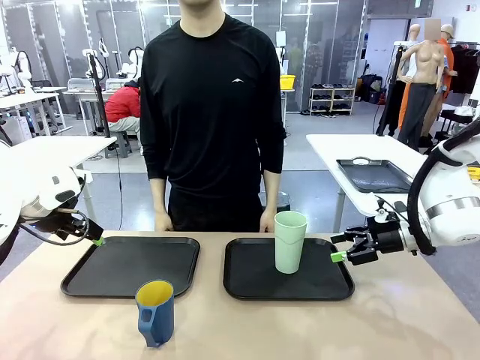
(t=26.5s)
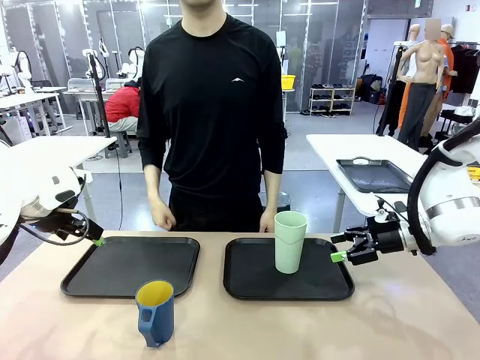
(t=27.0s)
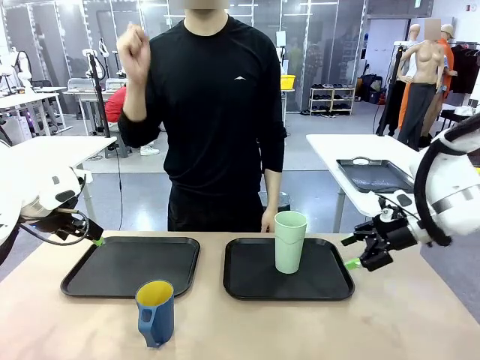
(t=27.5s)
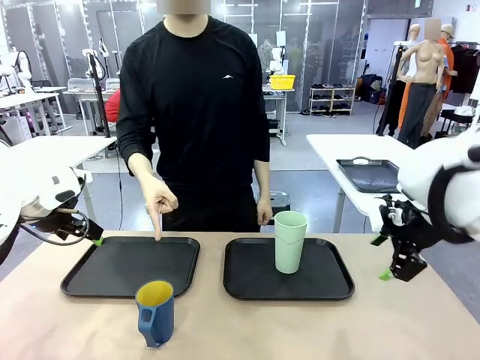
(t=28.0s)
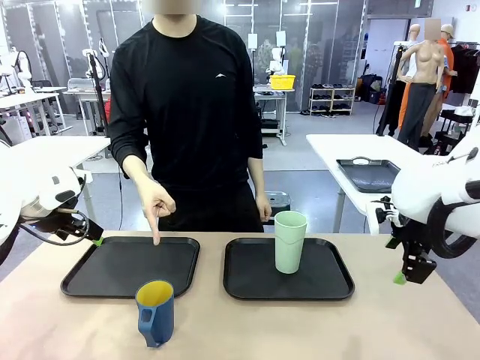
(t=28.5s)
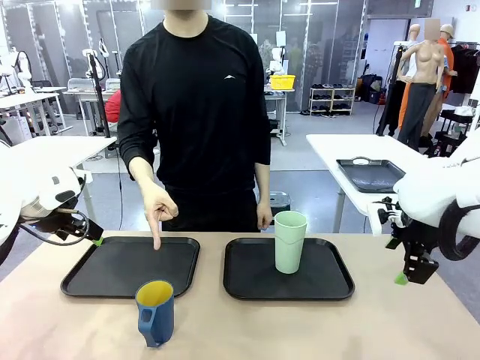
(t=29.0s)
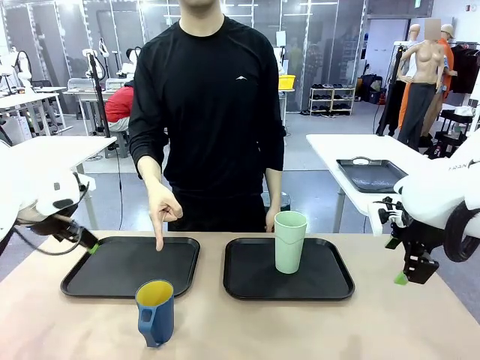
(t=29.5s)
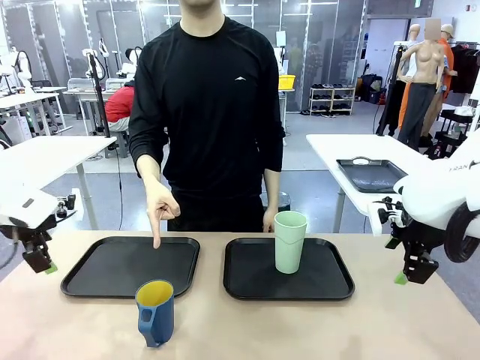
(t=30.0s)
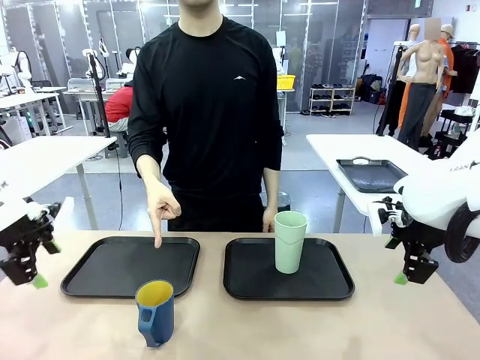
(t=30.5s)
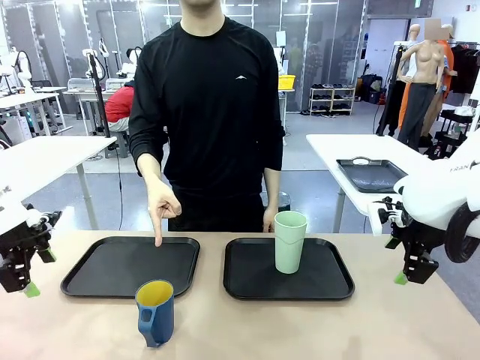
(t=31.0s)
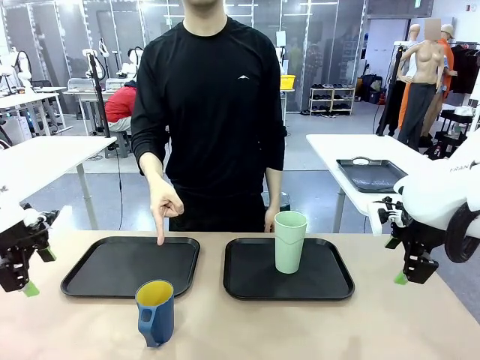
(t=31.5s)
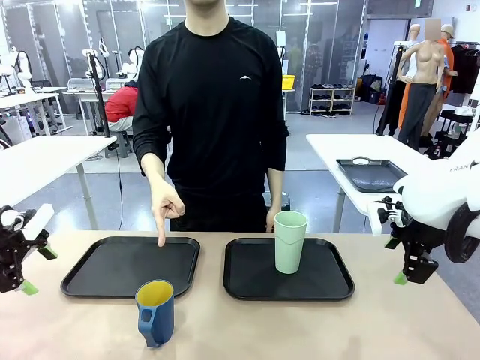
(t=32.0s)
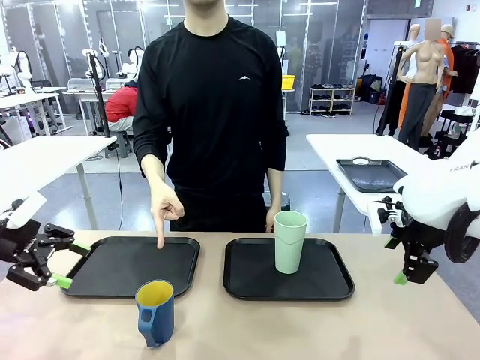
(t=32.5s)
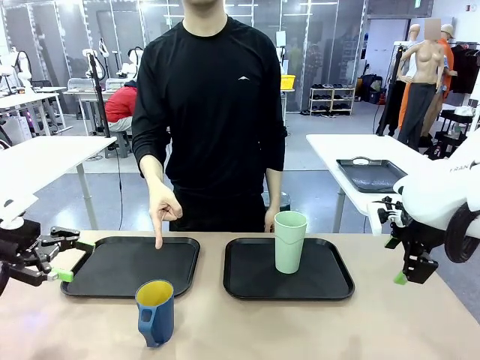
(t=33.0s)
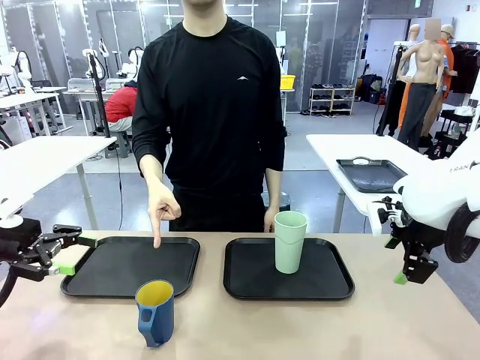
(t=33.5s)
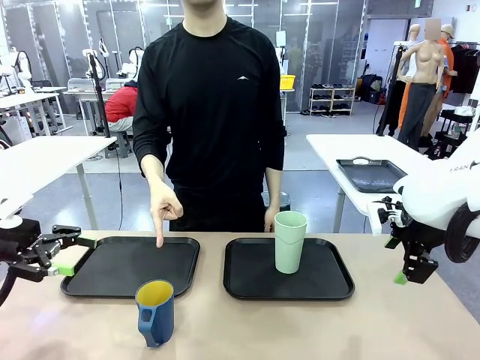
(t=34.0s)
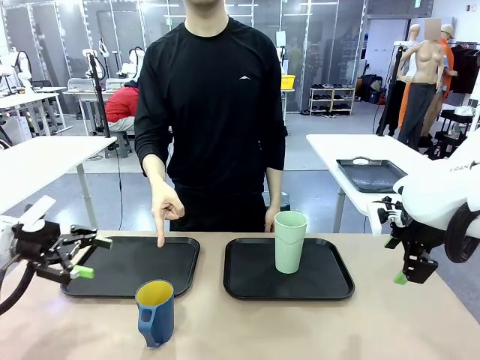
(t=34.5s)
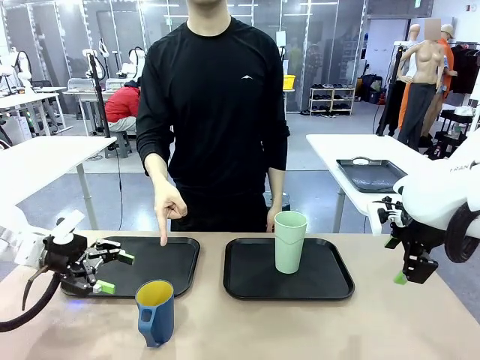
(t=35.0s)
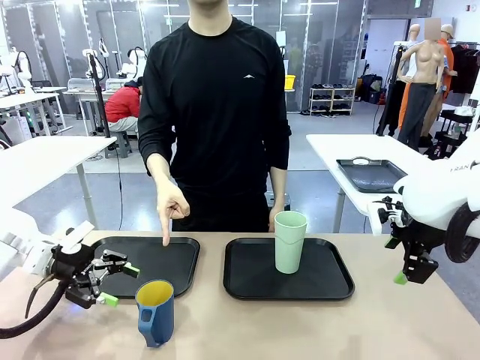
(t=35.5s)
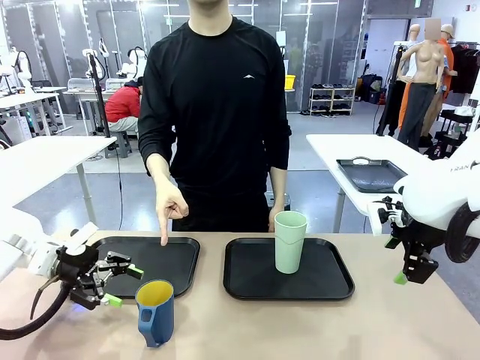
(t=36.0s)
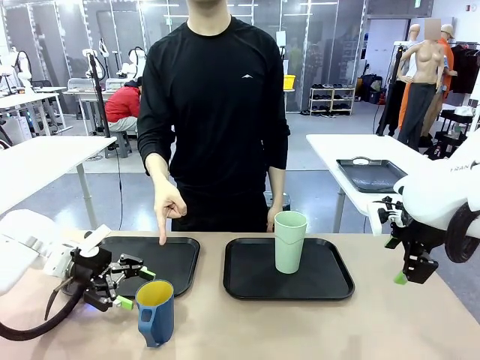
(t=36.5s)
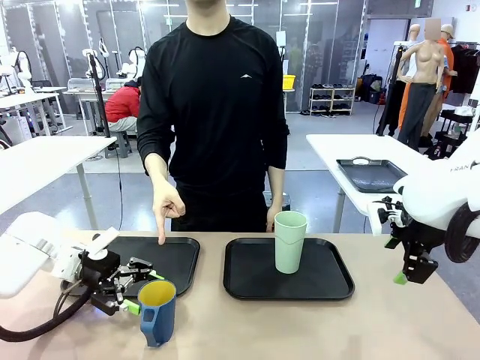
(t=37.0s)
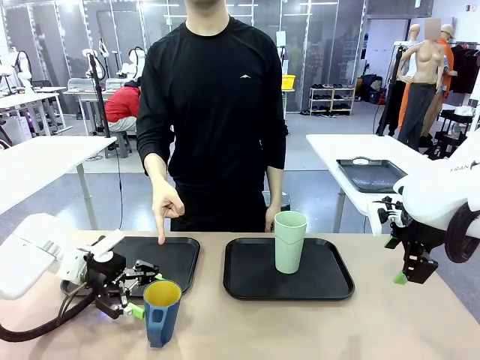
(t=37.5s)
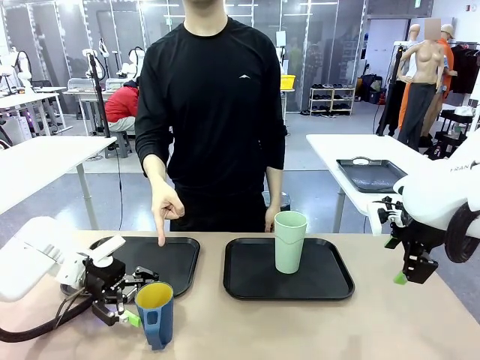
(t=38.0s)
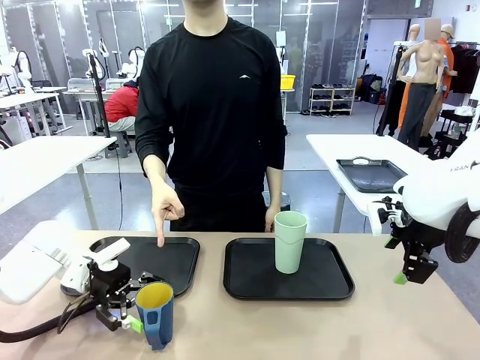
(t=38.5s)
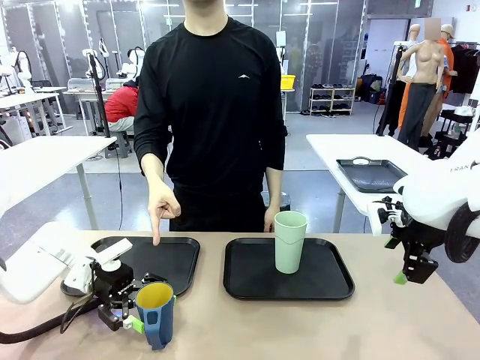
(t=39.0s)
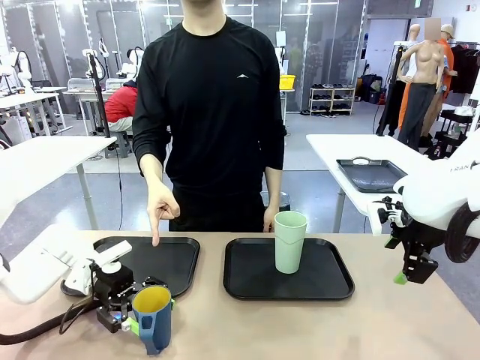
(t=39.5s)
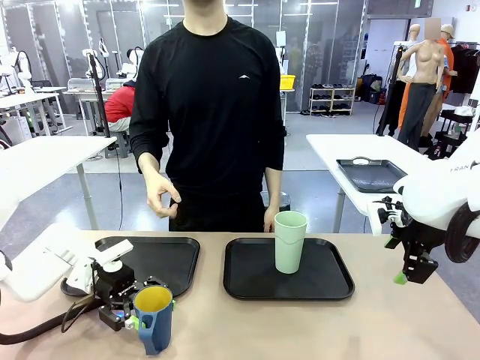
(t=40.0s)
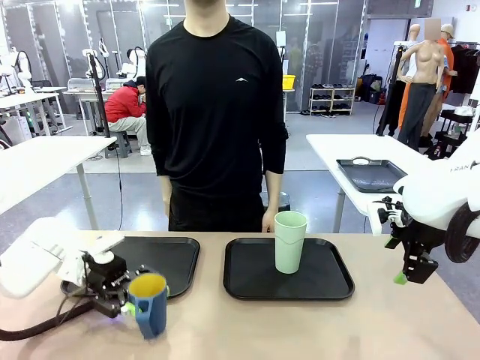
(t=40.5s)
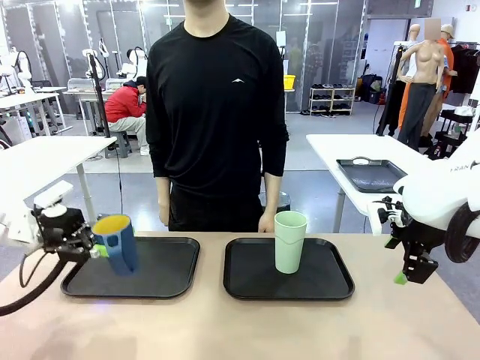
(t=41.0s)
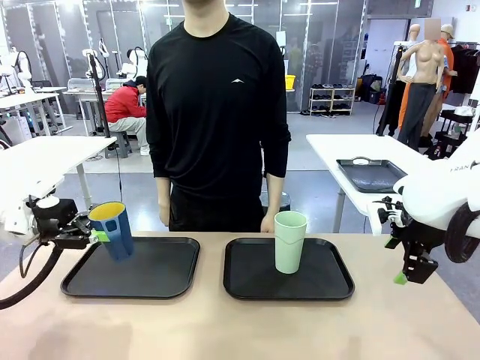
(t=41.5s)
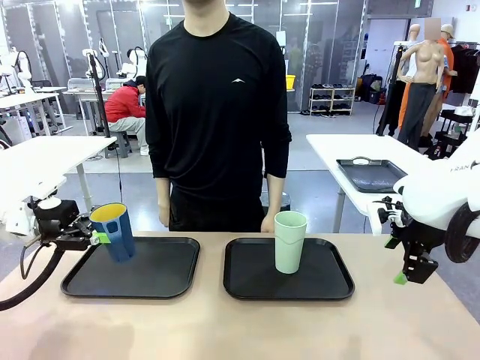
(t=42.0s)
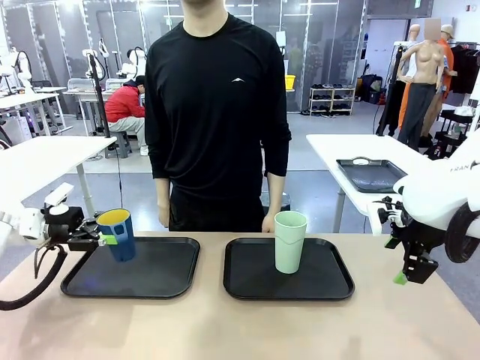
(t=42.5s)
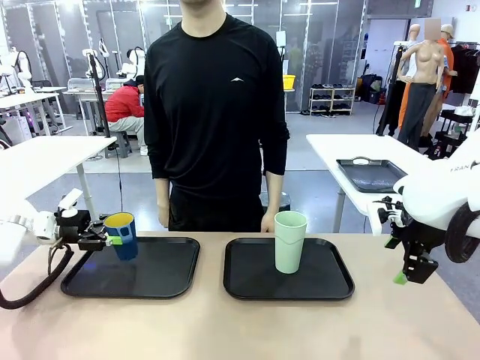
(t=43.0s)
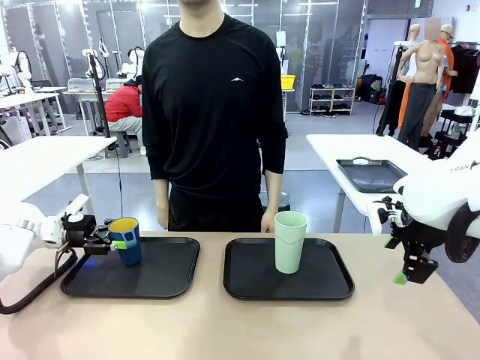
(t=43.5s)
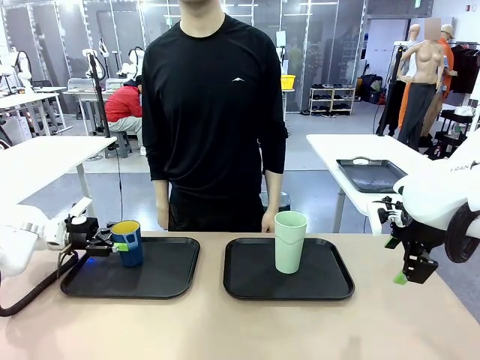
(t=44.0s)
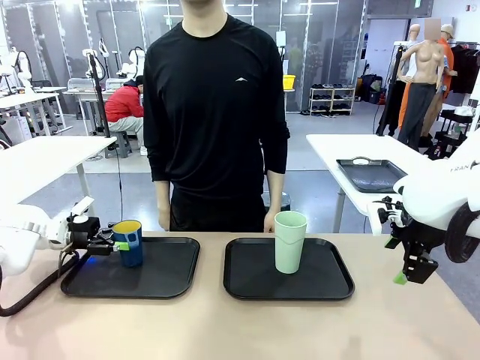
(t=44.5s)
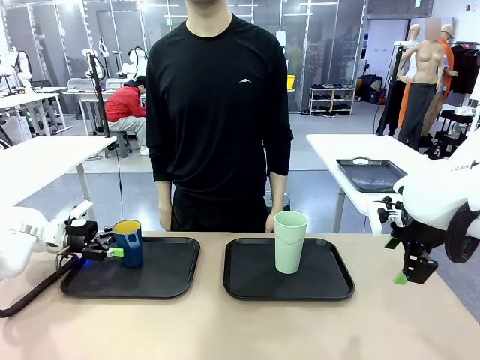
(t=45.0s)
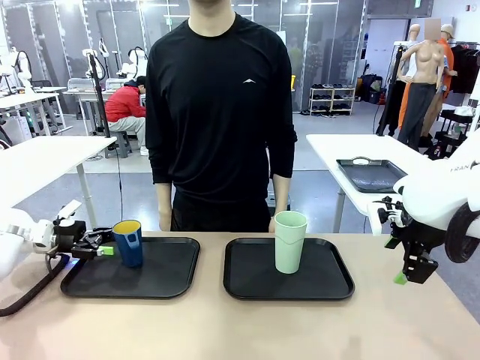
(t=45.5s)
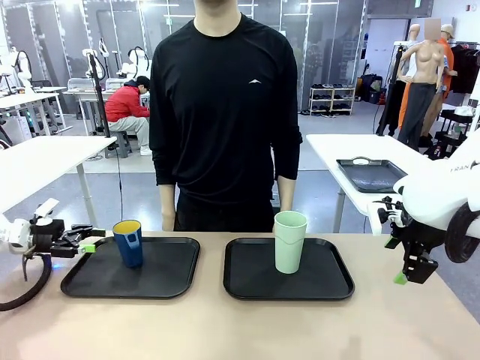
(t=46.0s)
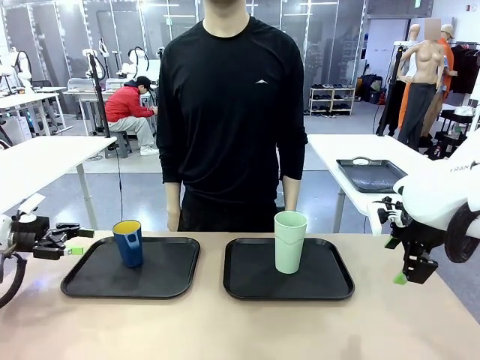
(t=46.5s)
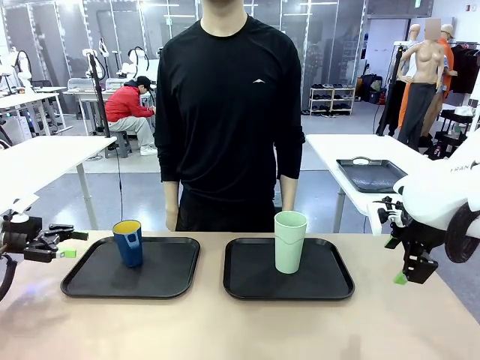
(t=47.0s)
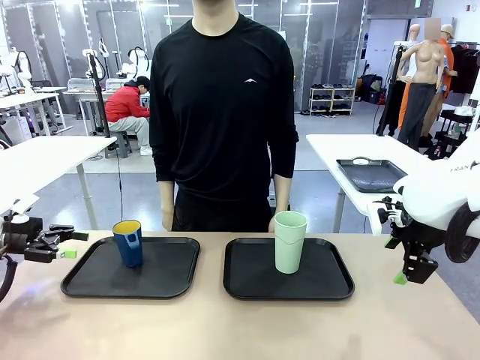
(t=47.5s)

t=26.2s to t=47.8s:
Task: Sort and store the cups by type.
Robot: Pick up the Handle plastic cup and place it into the empty Flat Tray.
Person: Points to the cup with a handle.
